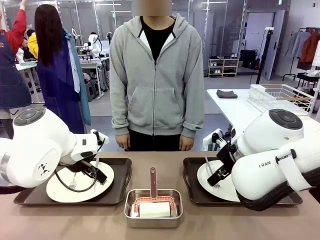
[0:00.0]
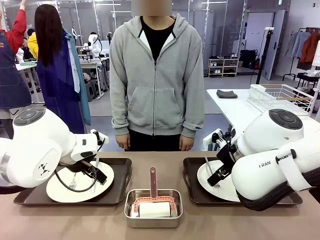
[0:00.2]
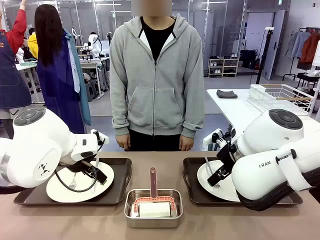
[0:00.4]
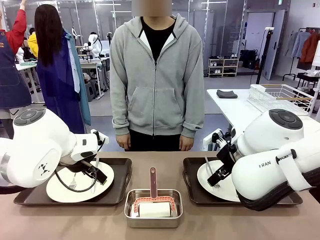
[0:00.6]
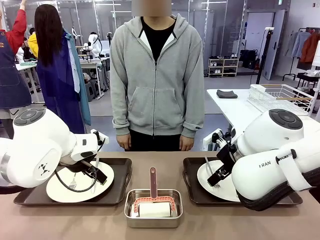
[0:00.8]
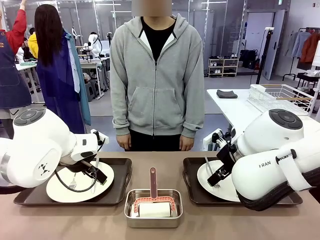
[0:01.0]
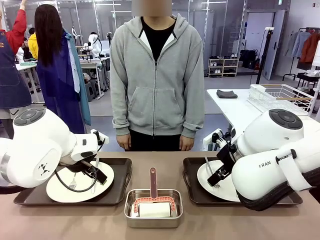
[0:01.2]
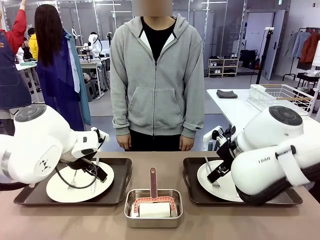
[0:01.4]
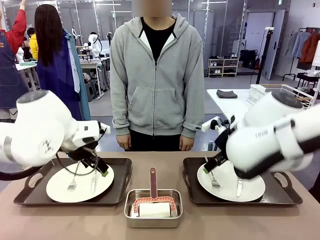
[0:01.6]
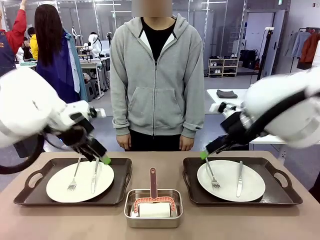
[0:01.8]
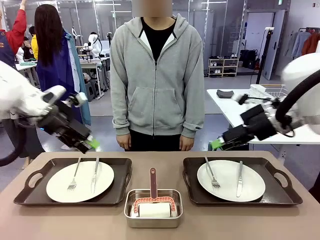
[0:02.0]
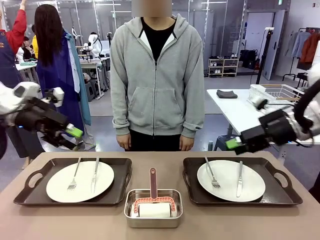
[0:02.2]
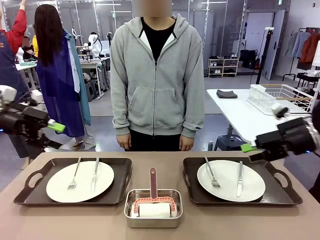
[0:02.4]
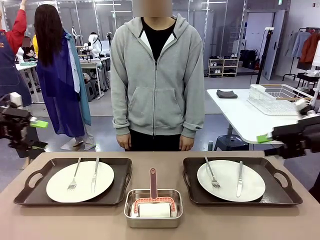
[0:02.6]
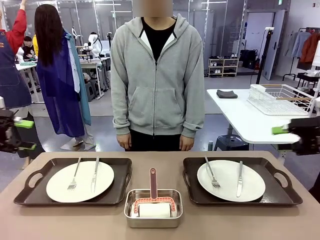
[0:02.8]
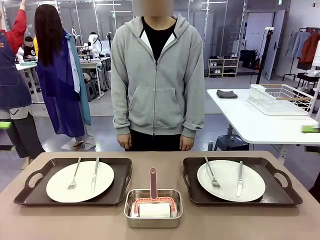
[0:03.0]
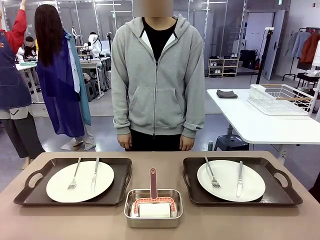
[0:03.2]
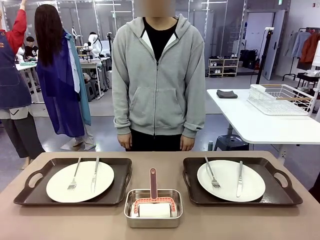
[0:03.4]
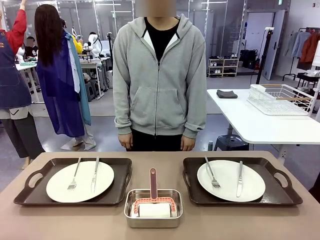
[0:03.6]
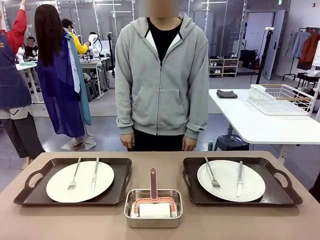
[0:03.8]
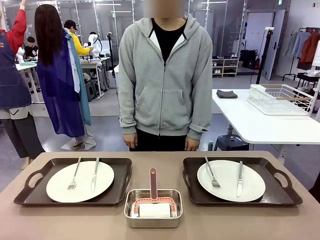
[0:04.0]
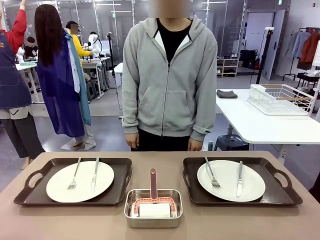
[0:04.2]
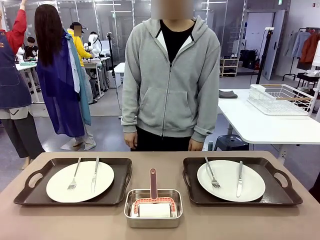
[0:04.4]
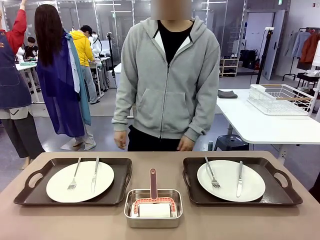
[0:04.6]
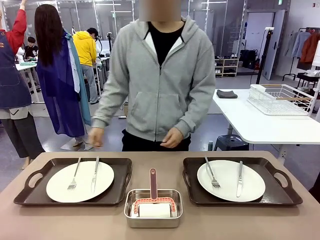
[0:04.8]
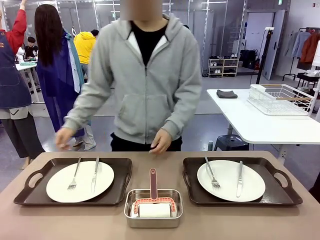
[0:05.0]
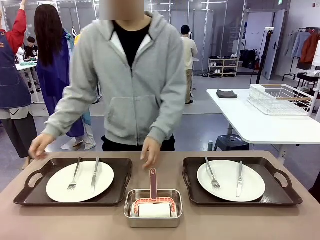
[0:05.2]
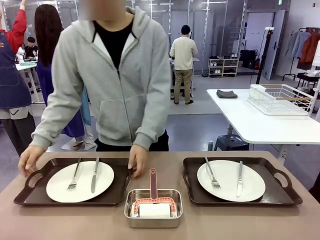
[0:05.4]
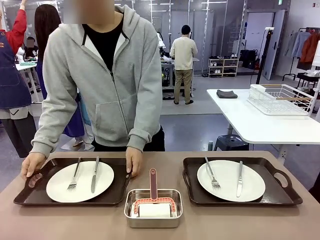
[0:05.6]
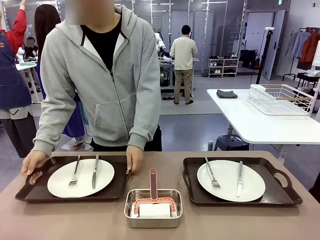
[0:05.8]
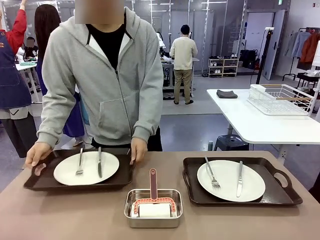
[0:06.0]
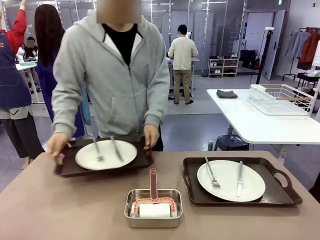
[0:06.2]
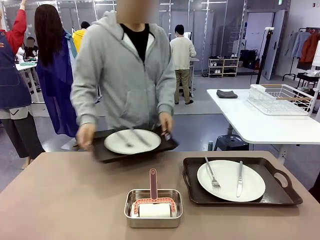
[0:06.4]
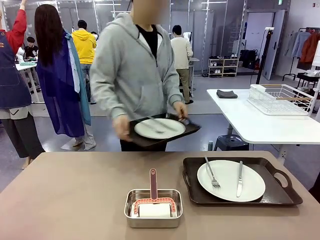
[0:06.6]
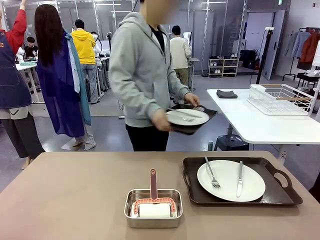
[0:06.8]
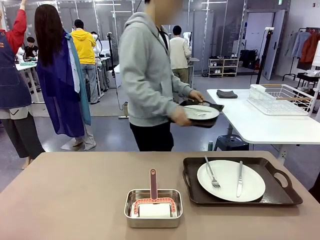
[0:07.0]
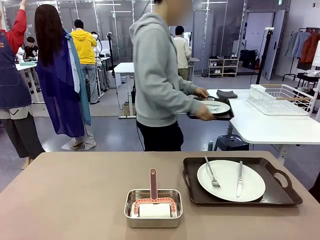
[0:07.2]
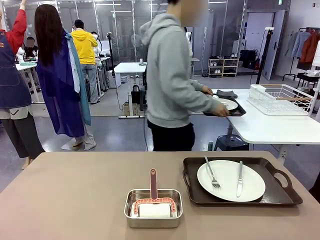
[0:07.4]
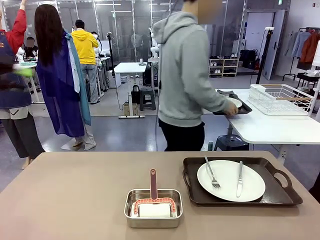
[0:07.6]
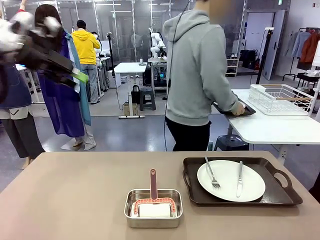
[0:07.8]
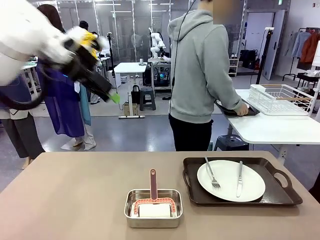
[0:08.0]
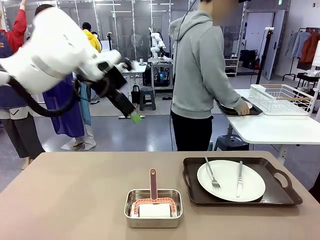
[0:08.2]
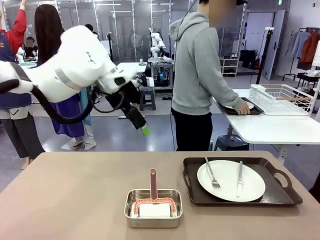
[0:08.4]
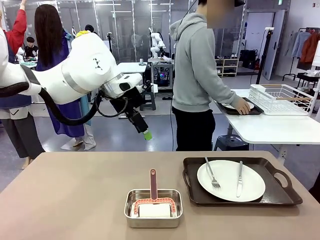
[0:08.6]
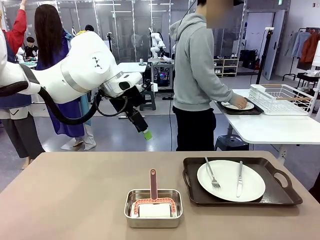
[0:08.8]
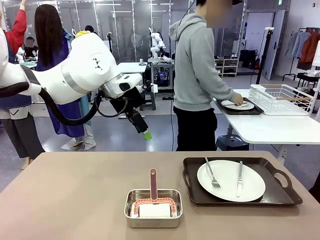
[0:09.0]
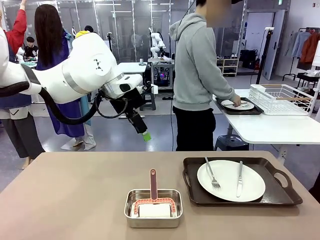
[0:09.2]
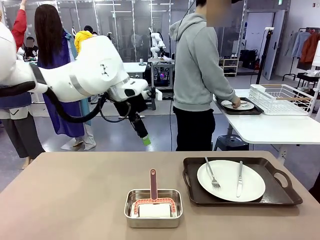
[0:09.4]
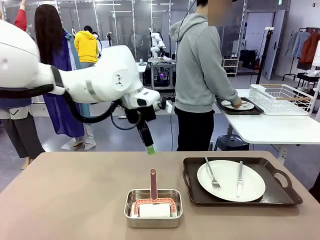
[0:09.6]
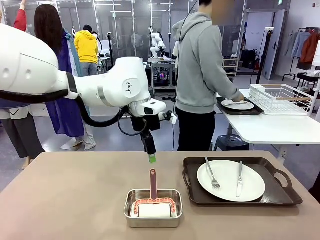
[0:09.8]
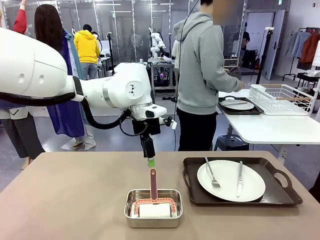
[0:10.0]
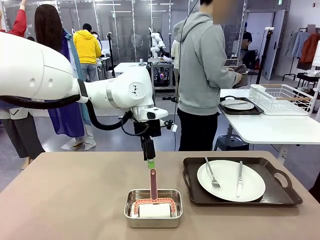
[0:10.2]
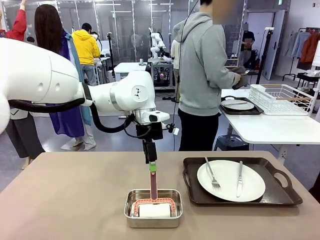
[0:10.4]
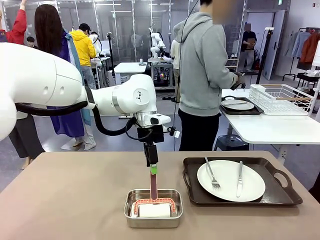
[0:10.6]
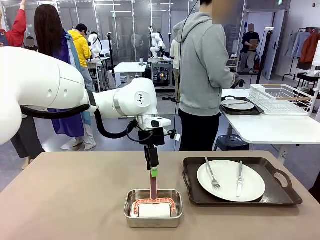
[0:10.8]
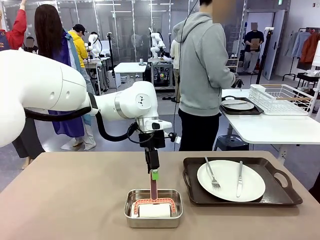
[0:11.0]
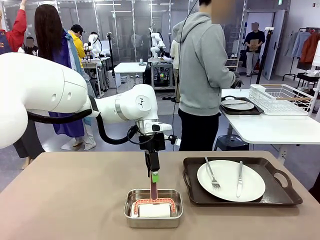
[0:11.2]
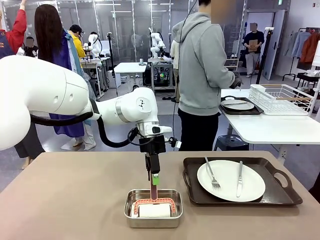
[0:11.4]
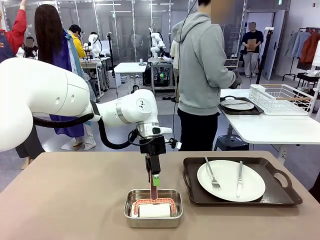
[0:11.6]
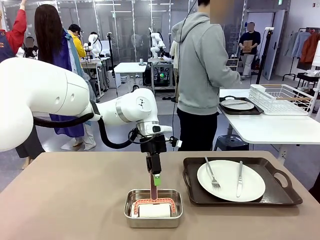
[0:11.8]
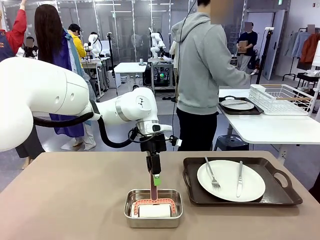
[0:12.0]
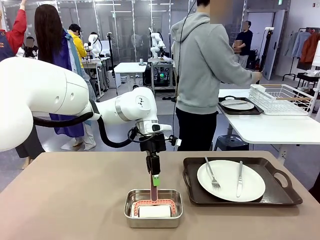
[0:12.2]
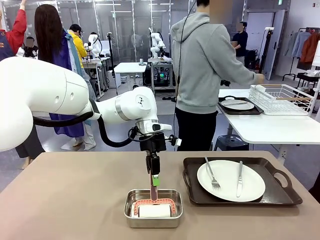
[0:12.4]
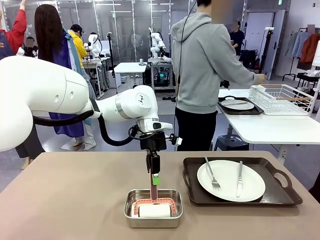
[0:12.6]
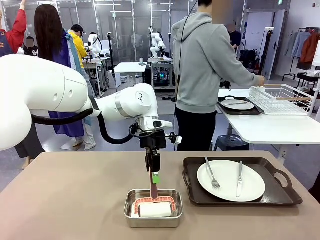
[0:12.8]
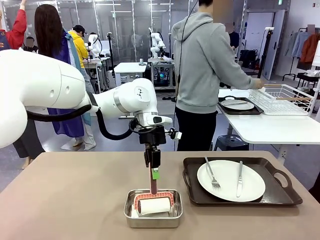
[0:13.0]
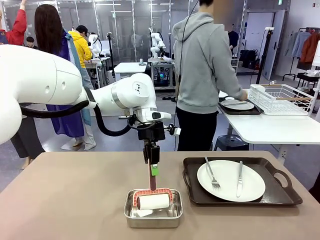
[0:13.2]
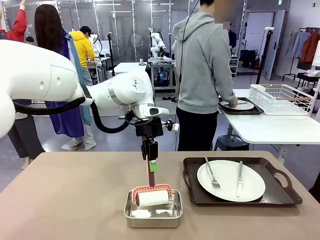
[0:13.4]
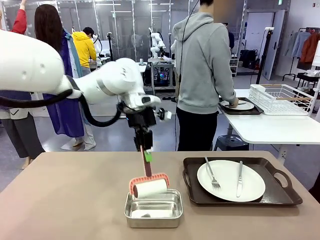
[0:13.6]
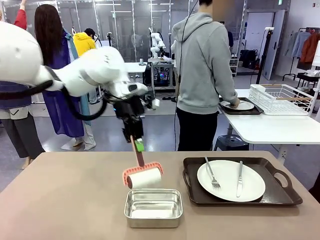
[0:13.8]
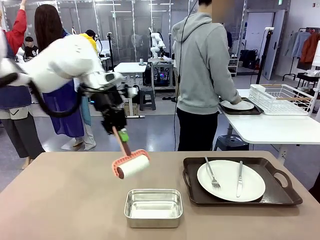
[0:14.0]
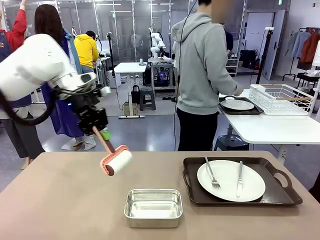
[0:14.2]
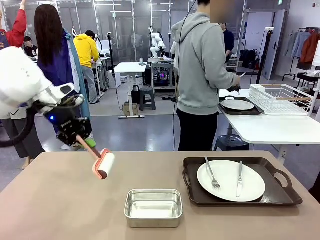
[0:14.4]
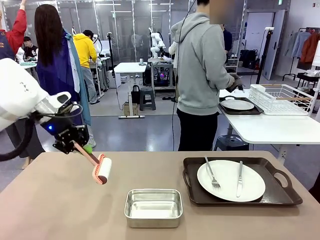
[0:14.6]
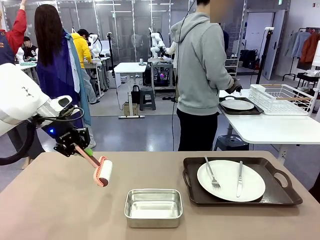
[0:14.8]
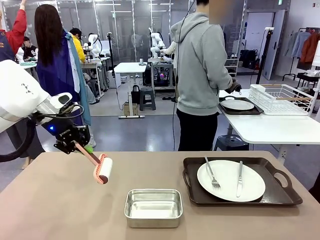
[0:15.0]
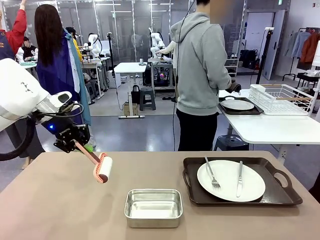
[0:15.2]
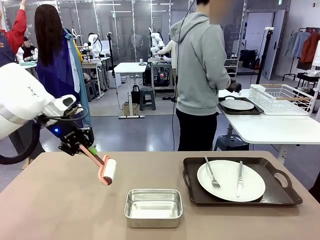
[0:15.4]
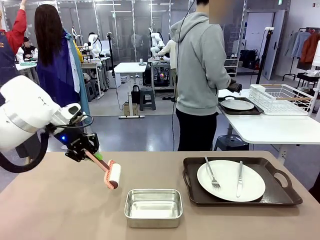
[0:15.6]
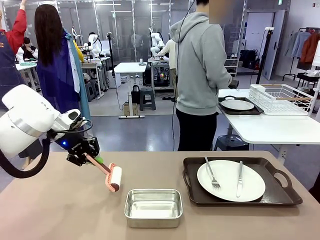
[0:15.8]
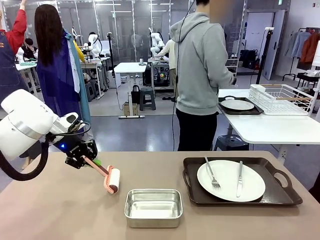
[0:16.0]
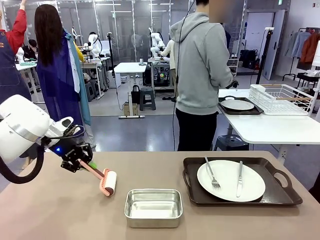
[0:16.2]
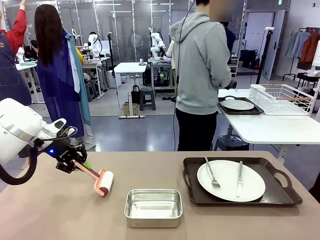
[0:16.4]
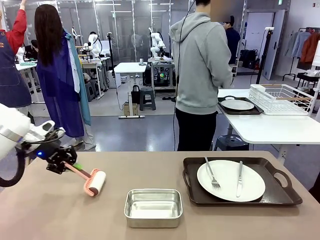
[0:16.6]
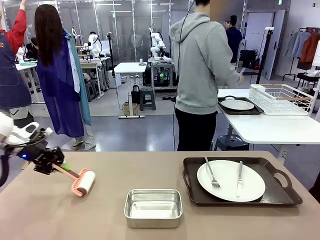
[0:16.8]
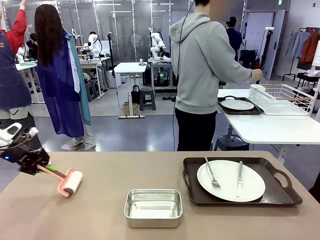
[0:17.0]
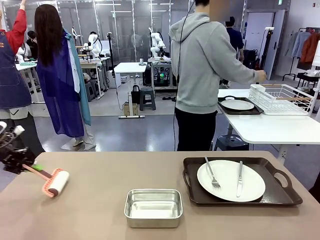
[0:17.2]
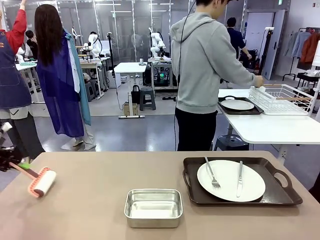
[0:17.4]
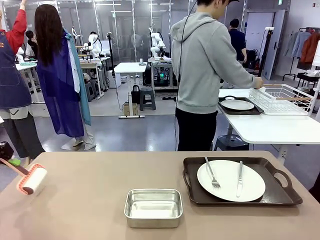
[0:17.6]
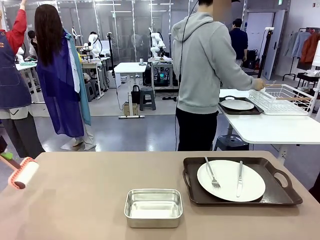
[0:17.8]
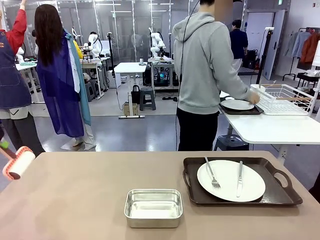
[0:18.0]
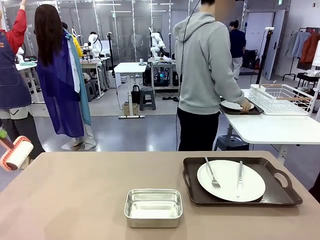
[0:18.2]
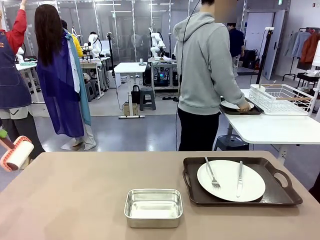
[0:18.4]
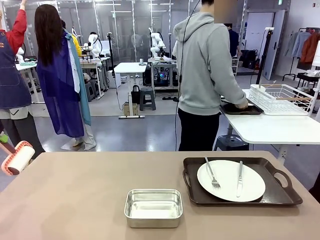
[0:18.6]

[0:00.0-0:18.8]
Robot: When the left (or right) Handle tray is removed, use the left hand (or right hand) to clean the left (or right) side of the table with the Lint Roller.
Person: Pick up the left (or right) Handle tray and place it on the middle of the Human's table. Use the Towel with hook to wipe the Plastic Matte Plate , Fork , and Knife and place into the Dish drying rack.

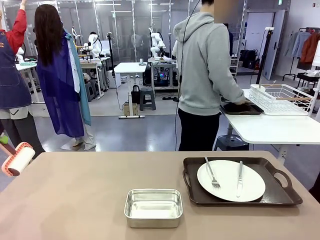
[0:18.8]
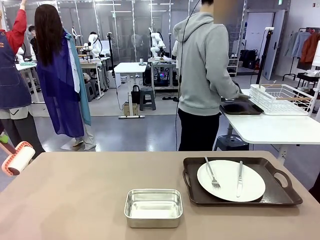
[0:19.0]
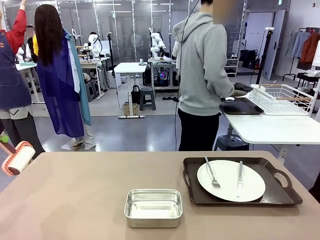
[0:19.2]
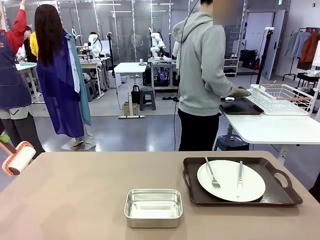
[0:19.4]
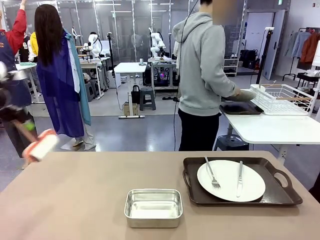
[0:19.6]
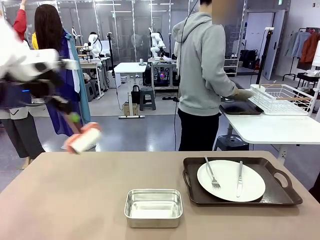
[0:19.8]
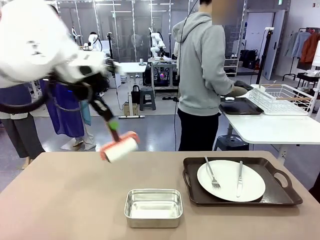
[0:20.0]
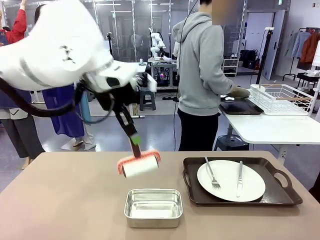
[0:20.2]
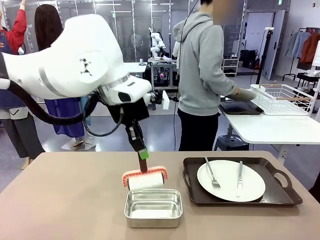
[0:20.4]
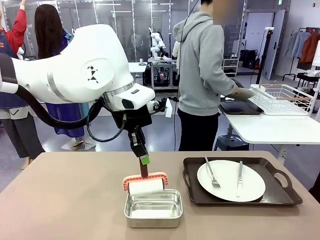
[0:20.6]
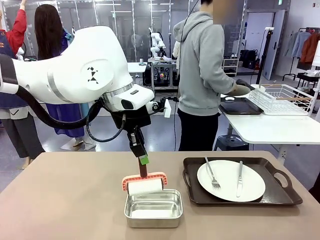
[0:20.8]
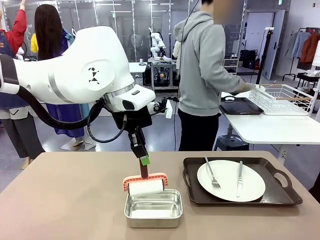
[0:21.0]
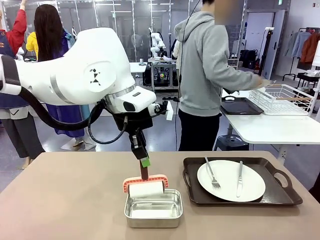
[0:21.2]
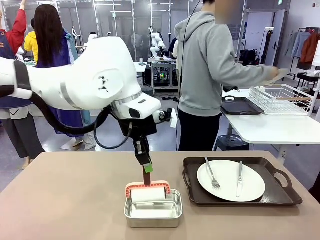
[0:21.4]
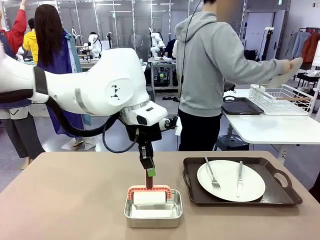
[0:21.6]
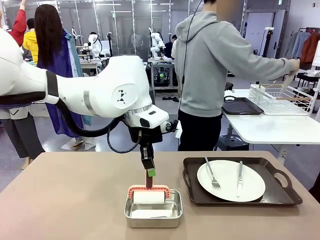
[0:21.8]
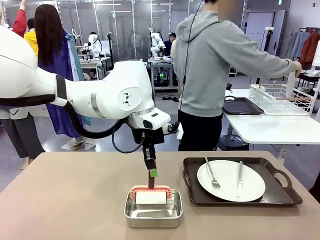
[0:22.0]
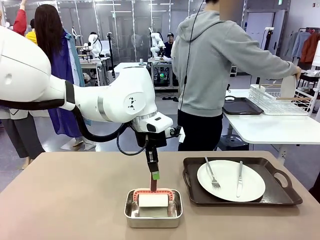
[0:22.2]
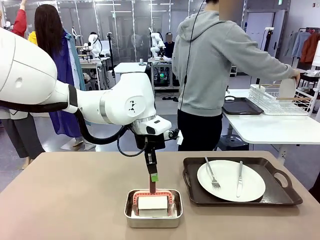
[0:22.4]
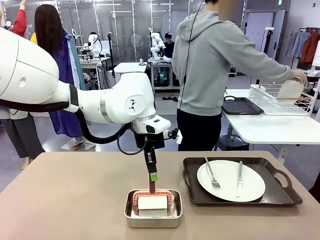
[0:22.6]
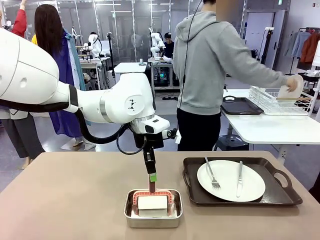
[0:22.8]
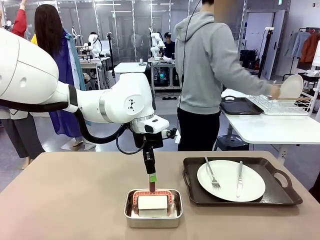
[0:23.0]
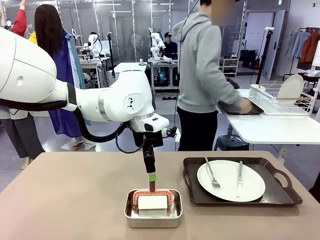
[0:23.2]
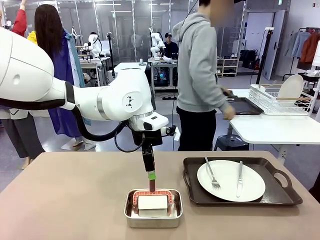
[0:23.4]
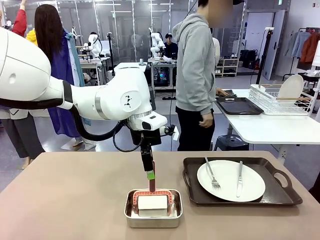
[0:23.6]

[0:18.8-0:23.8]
Robot: Place the Lint Roller back on top of the Airtight Container.
